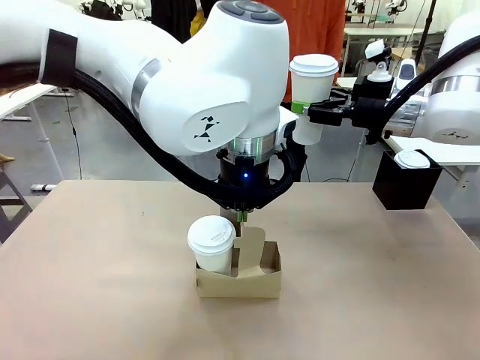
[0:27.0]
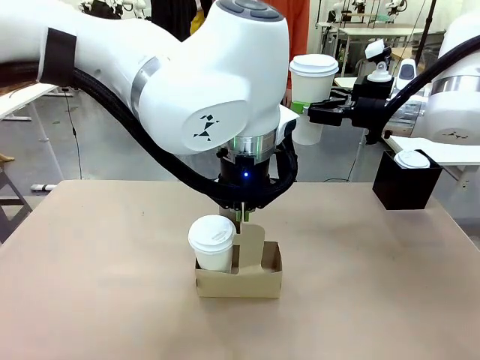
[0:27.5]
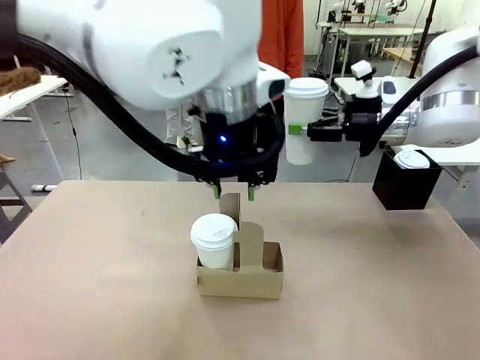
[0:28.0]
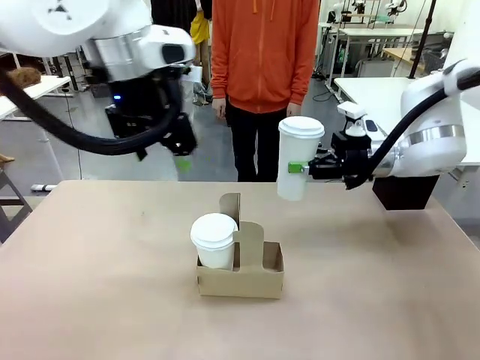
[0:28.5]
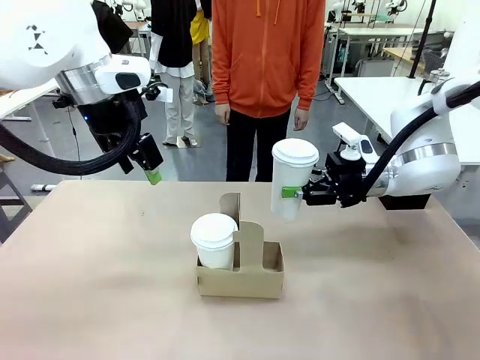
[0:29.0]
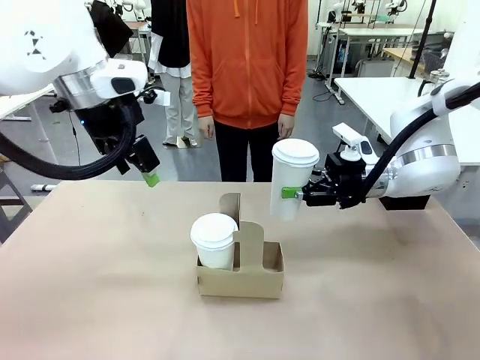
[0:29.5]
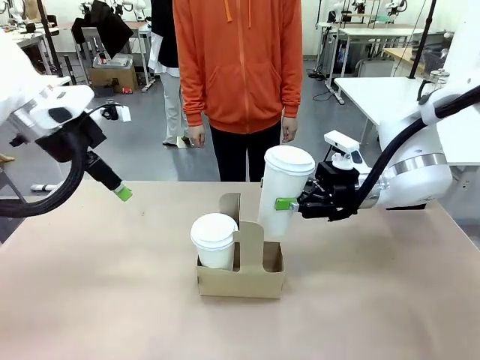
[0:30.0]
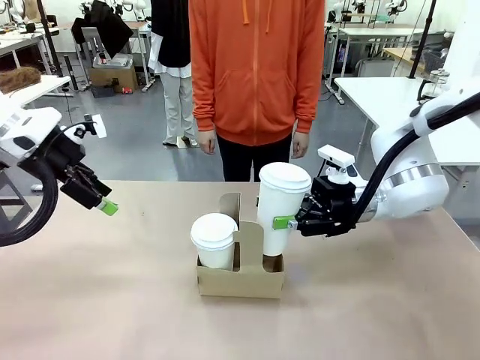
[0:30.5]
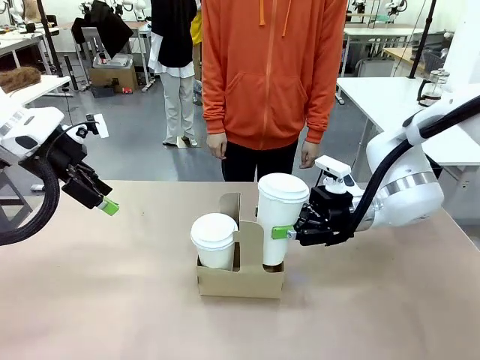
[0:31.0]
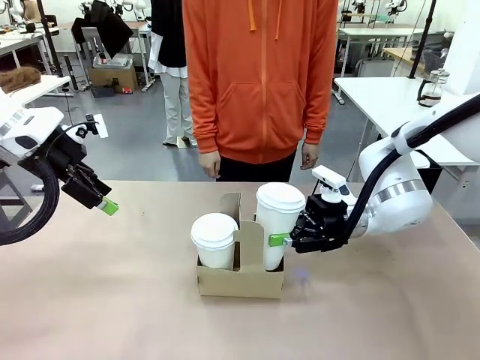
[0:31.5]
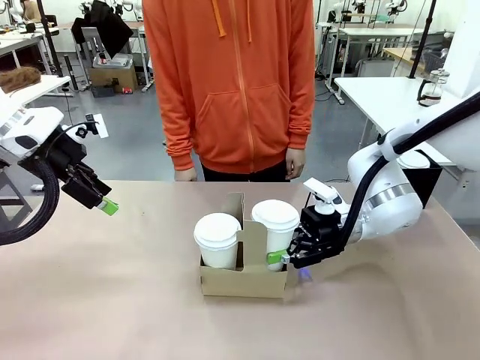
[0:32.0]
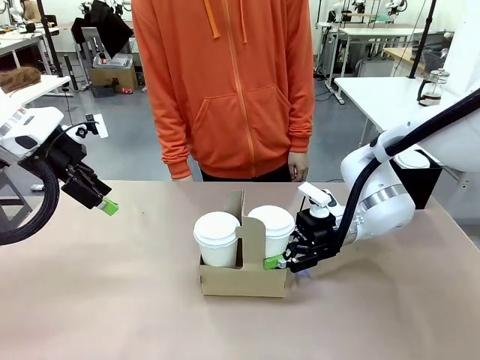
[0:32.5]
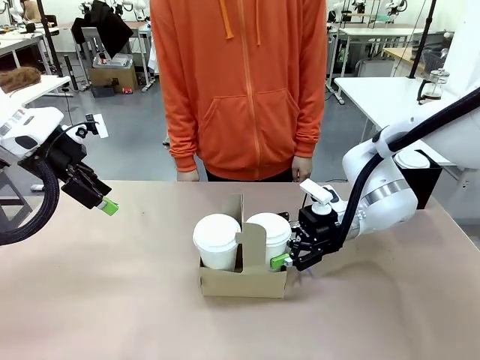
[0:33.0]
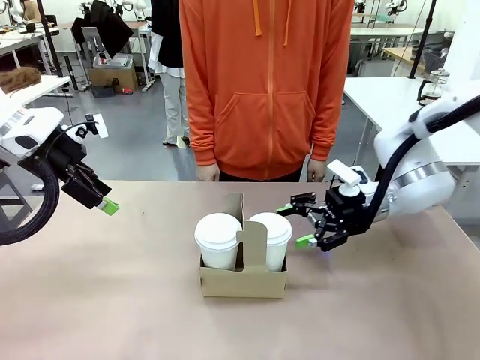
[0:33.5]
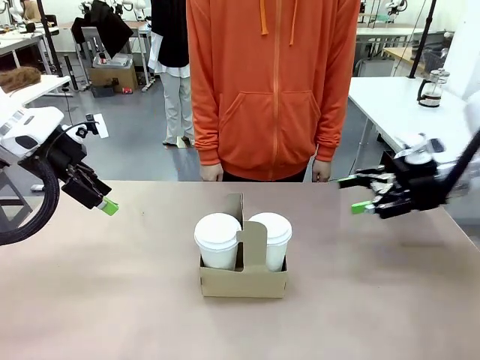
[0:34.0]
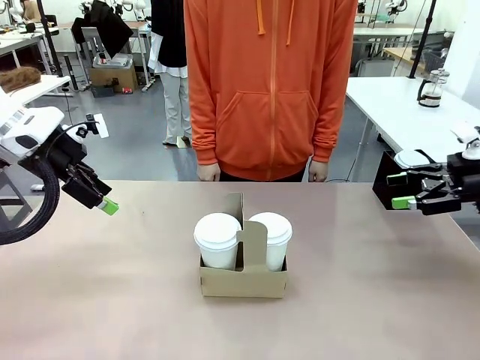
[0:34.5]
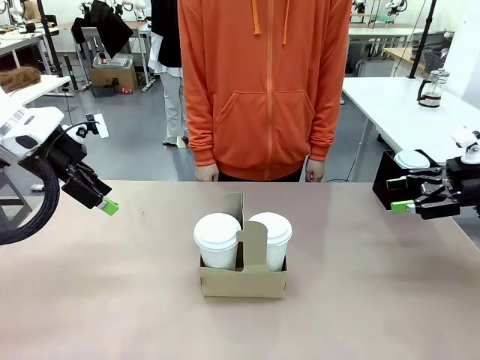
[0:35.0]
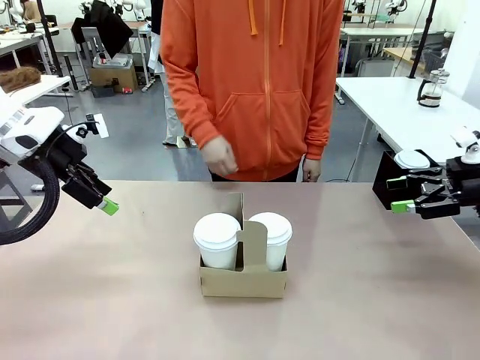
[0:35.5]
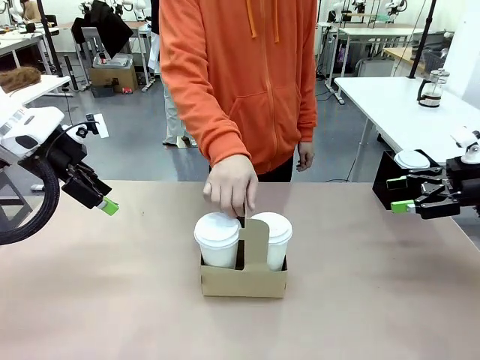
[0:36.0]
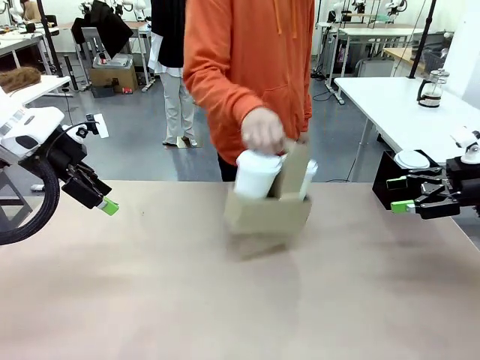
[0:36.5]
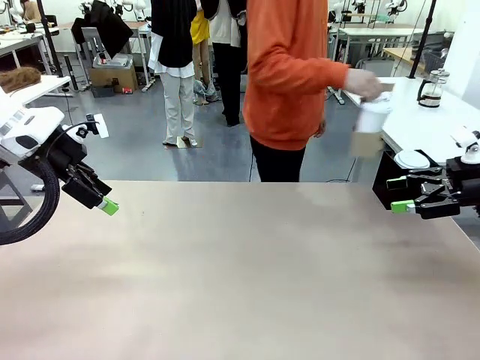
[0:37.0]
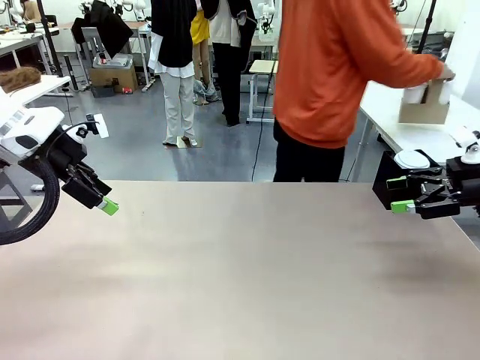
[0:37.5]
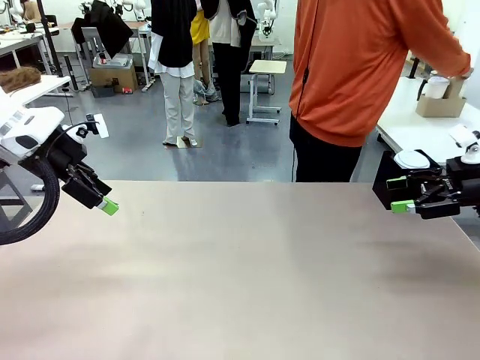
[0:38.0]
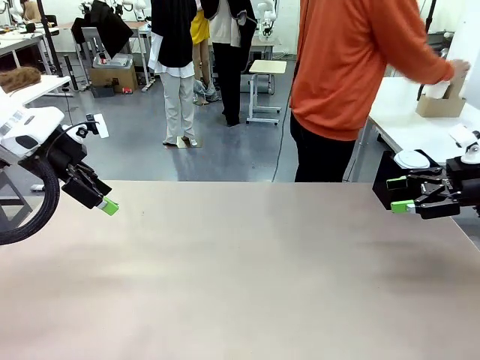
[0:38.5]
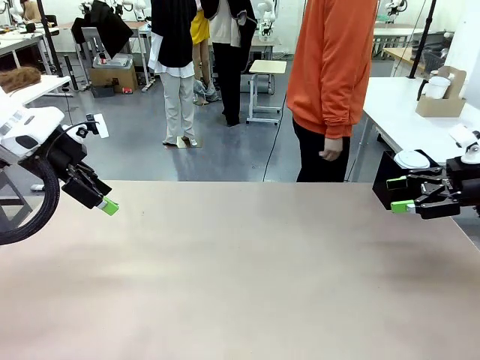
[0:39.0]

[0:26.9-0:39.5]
Task: Pour a drink into a cup and package it in a carrier.
Robot: Insert the held 600 ml Paper Cup into the Cup Carrier.
Person: Place the Cup Carrier to the middle of Human table.

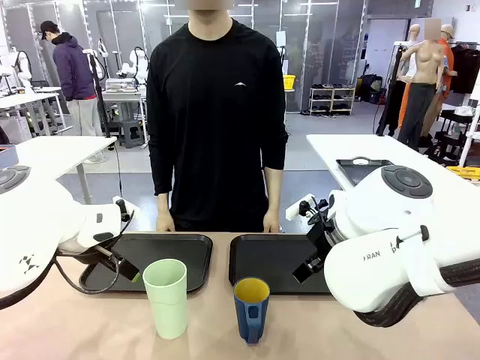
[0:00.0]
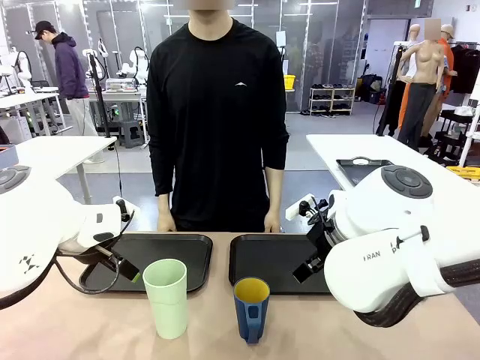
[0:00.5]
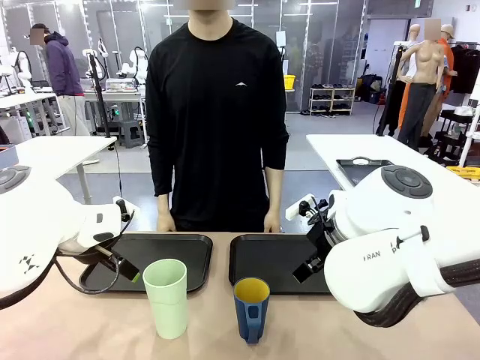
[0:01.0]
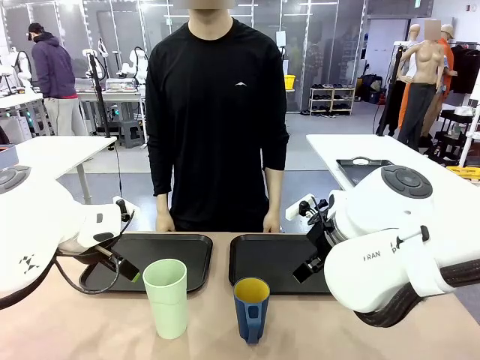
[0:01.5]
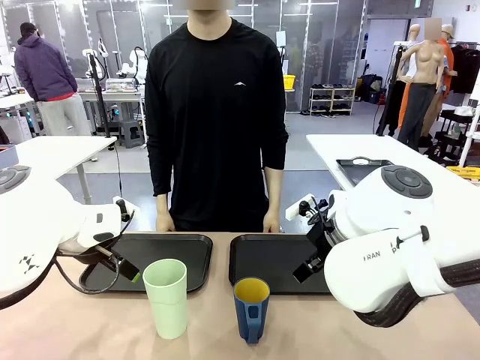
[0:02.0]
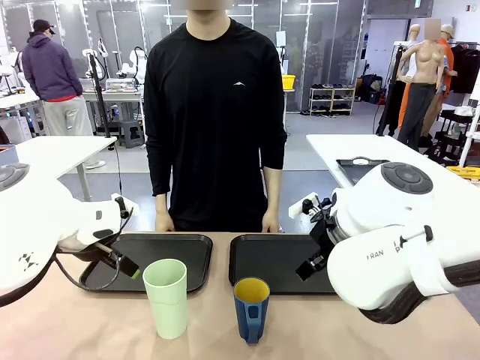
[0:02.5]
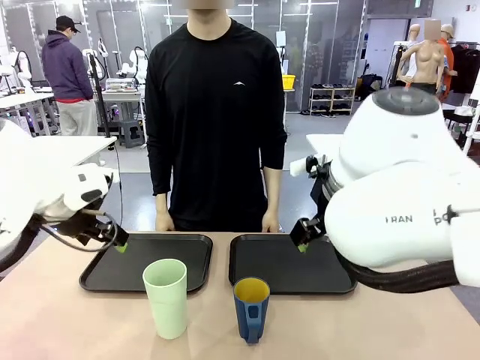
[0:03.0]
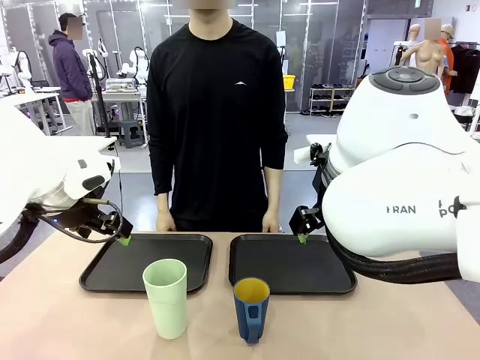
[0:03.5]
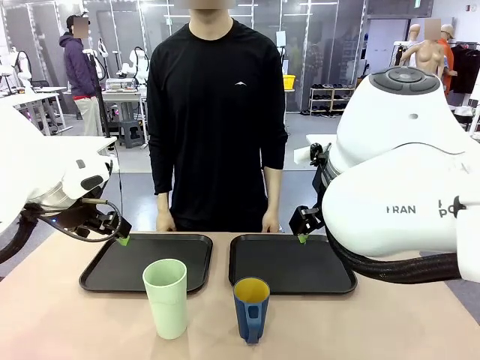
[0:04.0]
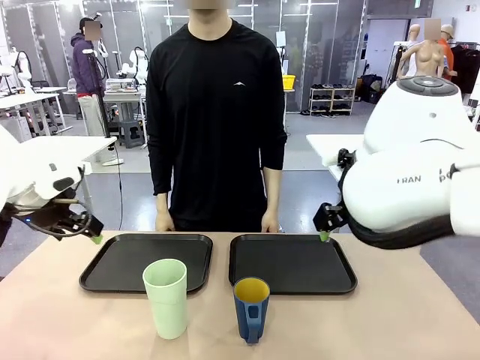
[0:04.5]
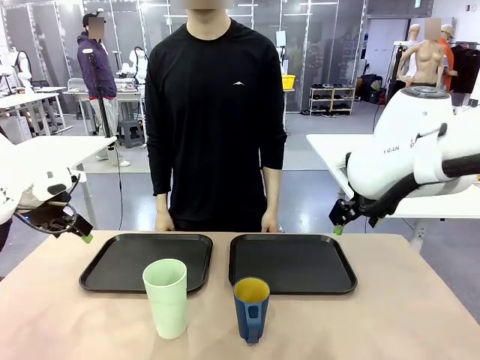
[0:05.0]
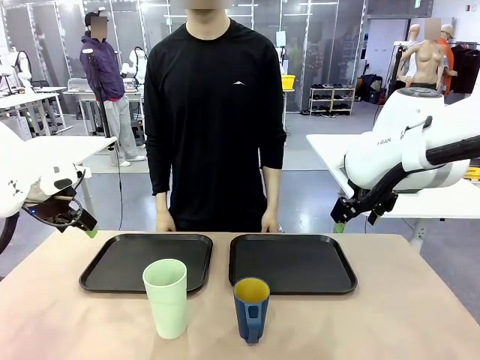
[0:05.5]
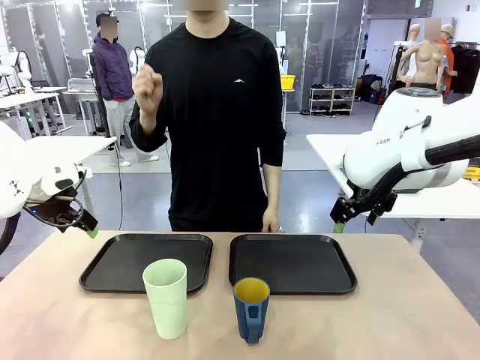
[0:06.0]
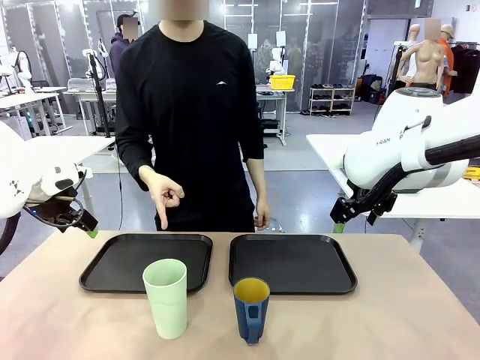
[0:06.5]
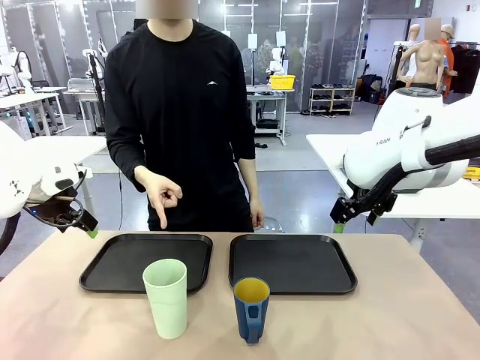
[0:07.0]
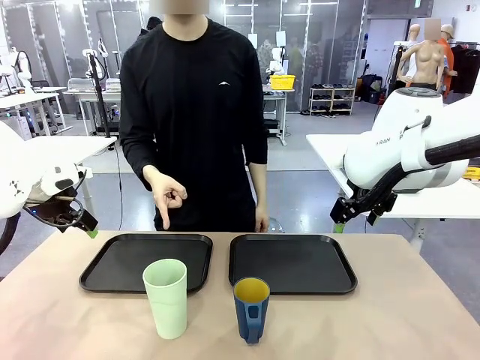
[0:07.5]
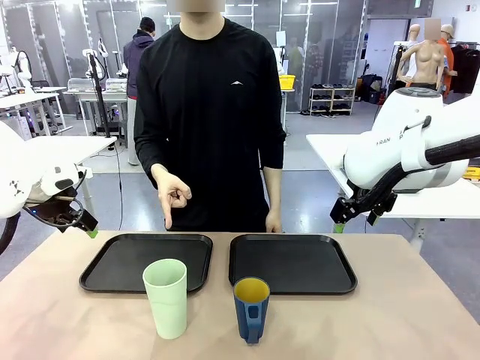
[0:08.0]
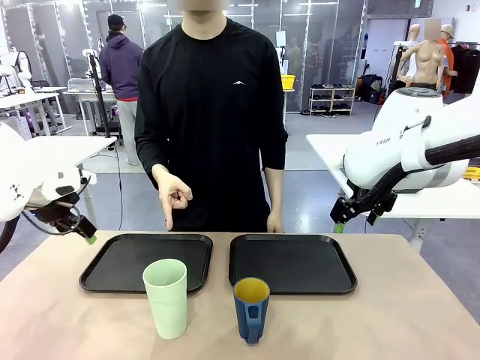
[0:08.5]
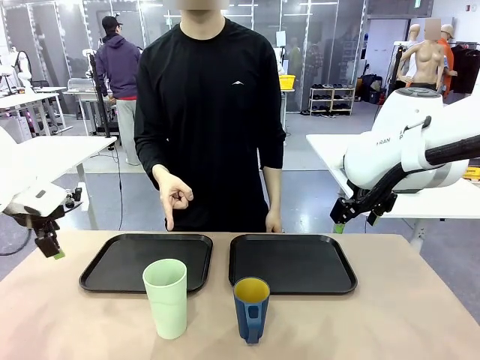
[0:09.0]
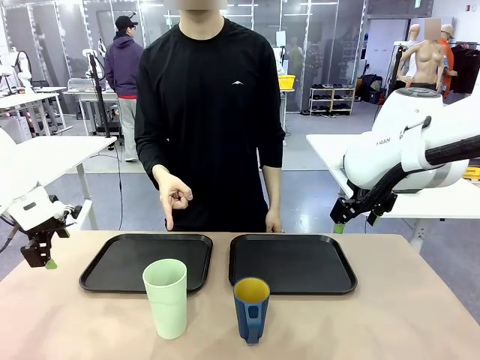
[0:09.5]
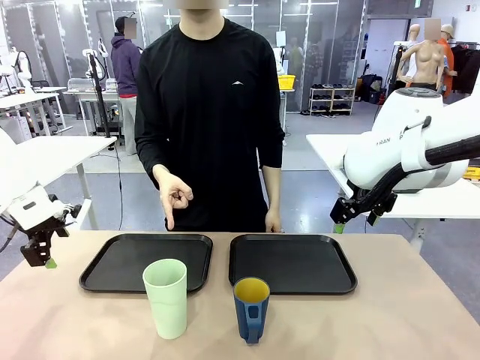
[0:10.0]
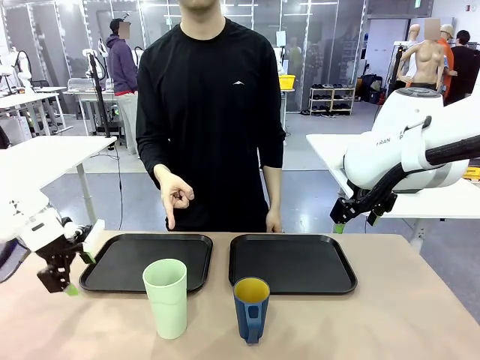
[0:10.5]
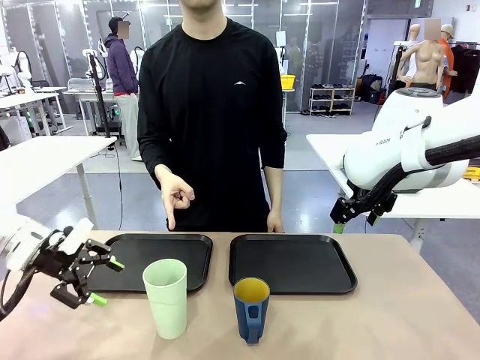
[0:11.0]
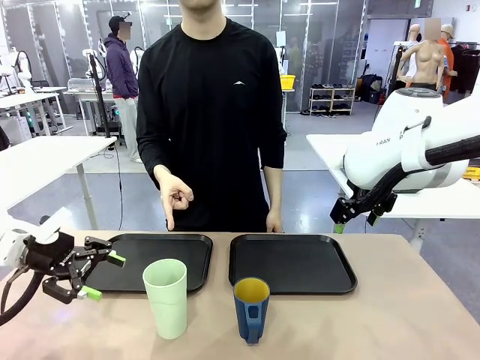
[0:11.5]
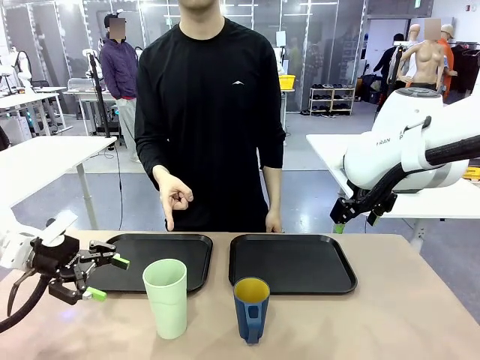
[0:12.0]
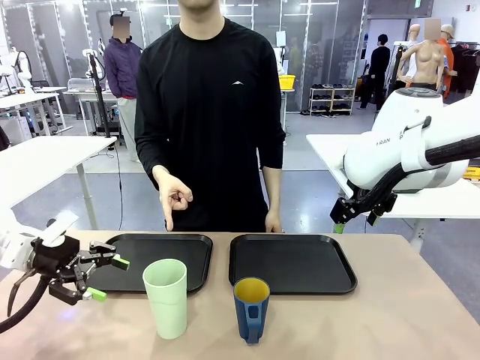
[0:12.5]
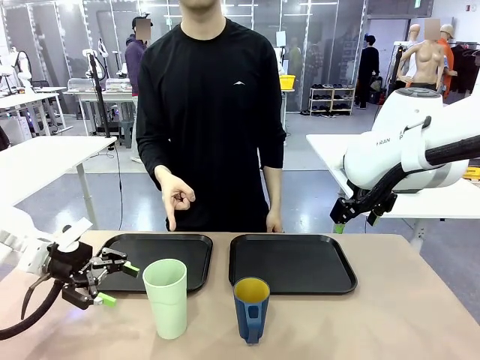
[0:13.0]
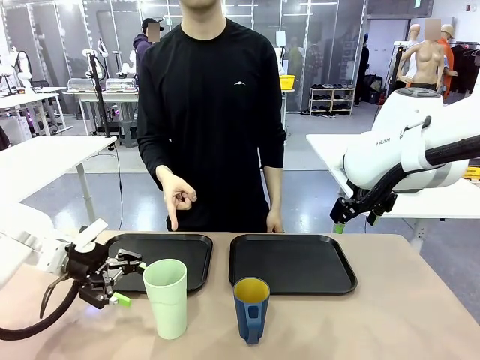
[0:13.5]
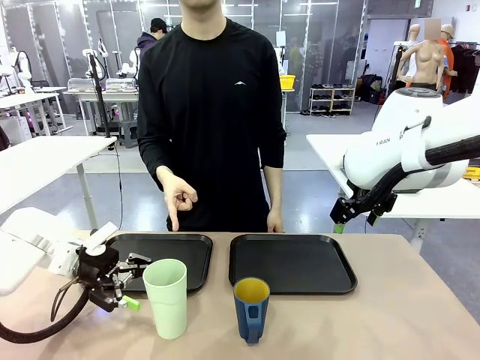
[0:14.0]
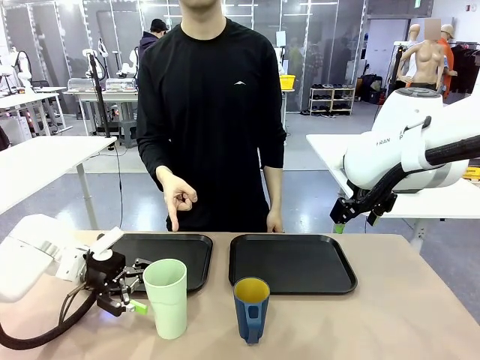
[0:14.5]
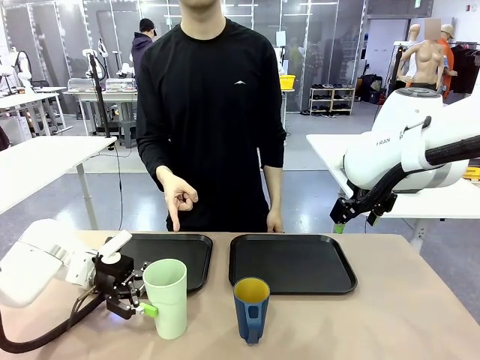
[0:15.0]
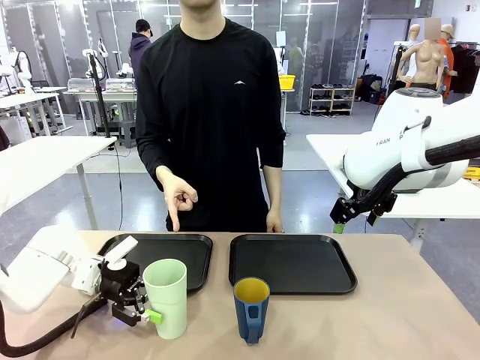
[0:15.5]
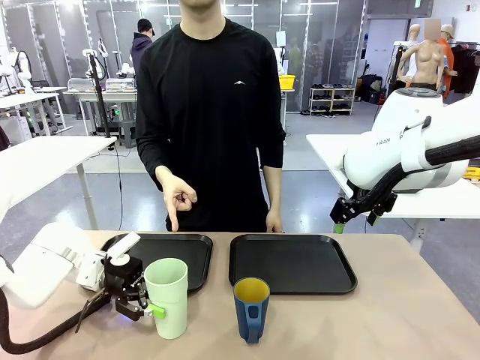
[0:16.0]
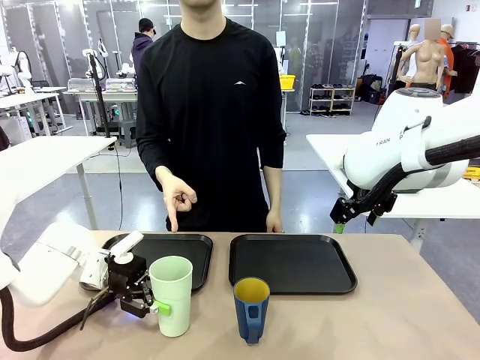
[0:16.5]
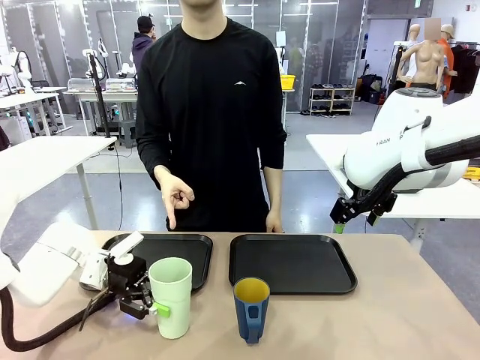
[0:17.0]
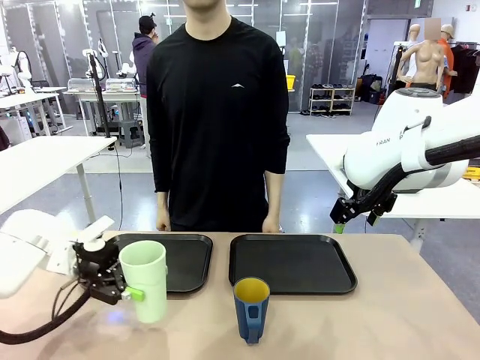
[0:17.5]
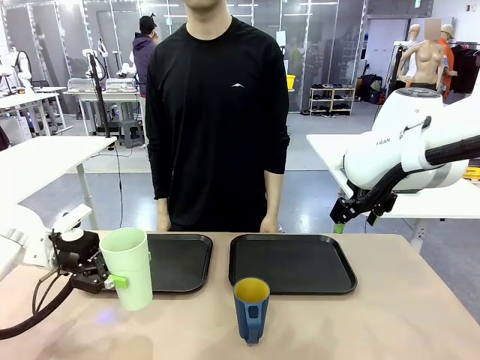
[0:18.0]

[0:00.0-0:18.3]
Task: Sort and store the cups by type.
Robot: Pick up the Reusable plastic cup.
Person: Points to the reusable cup. Point to one of the two trays.
